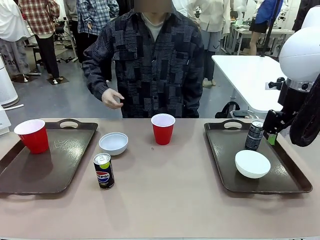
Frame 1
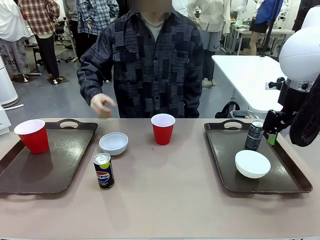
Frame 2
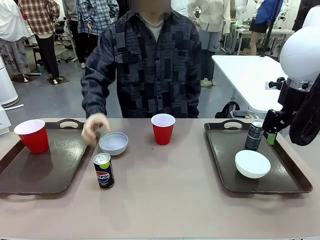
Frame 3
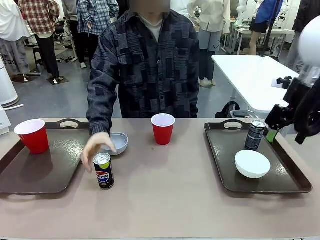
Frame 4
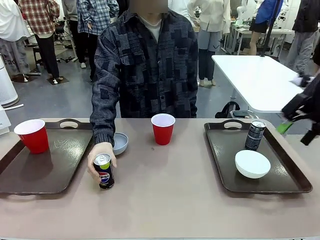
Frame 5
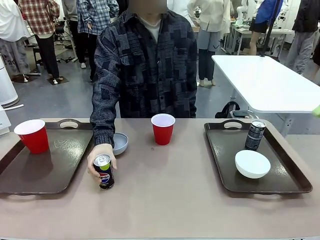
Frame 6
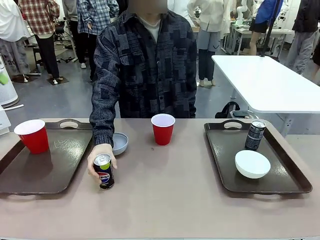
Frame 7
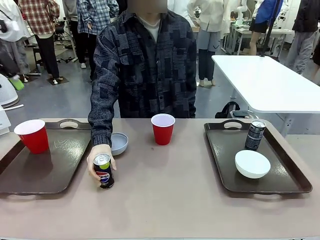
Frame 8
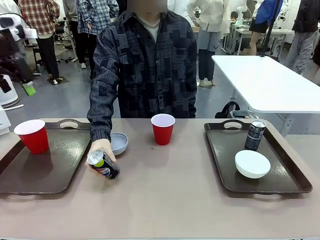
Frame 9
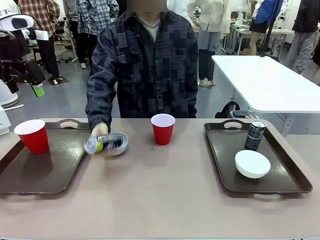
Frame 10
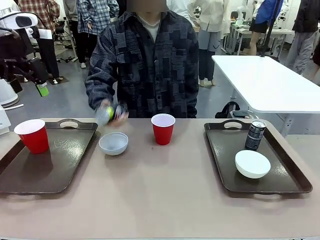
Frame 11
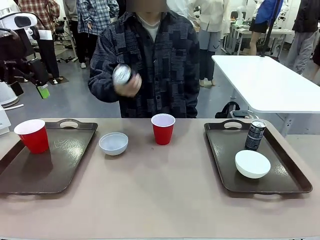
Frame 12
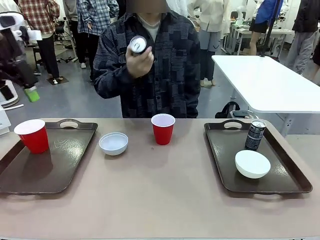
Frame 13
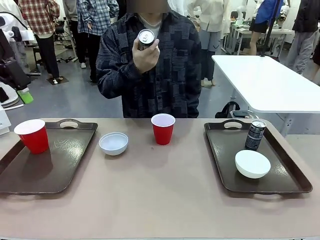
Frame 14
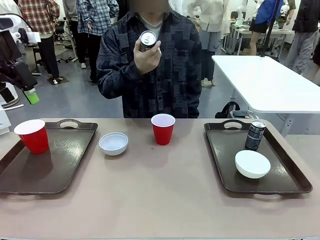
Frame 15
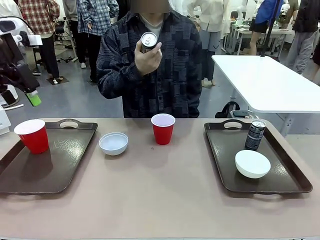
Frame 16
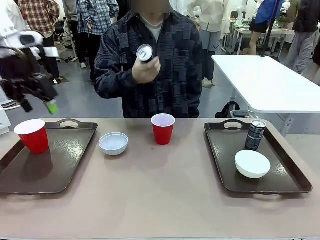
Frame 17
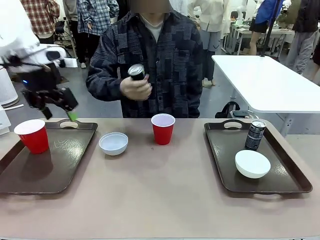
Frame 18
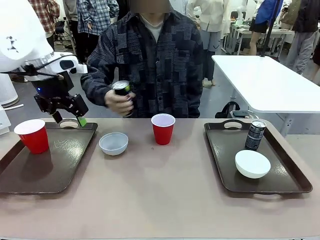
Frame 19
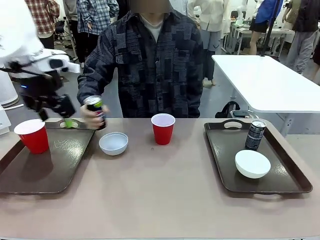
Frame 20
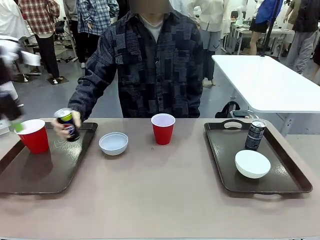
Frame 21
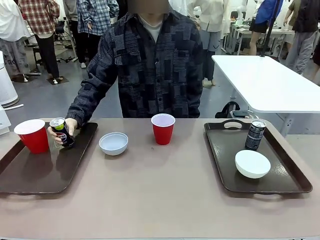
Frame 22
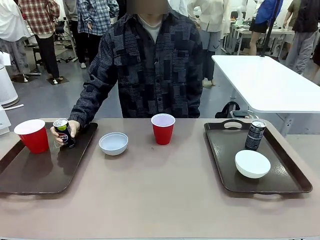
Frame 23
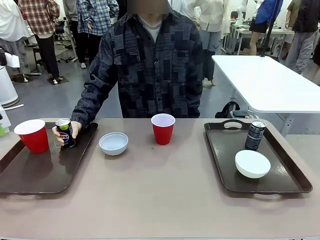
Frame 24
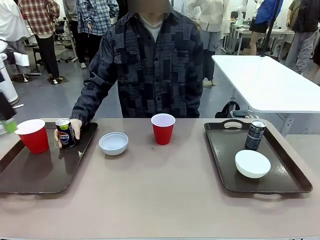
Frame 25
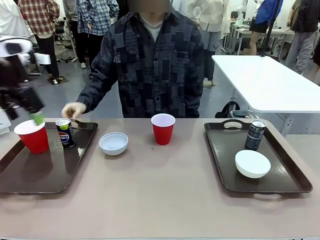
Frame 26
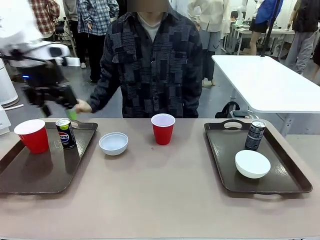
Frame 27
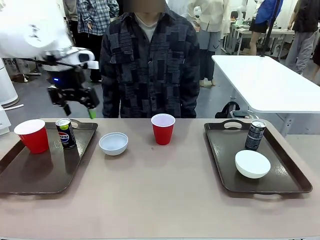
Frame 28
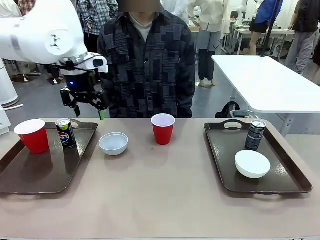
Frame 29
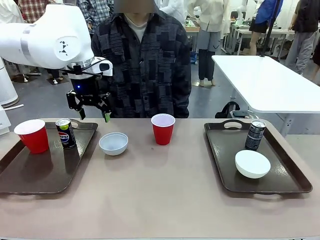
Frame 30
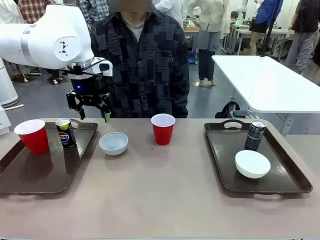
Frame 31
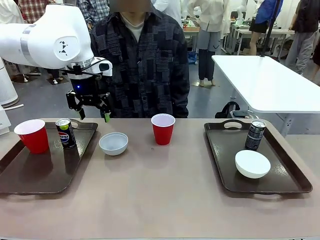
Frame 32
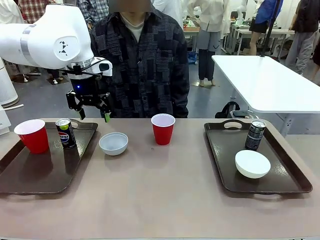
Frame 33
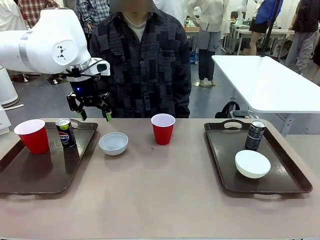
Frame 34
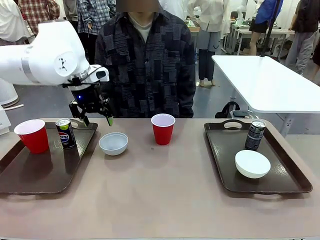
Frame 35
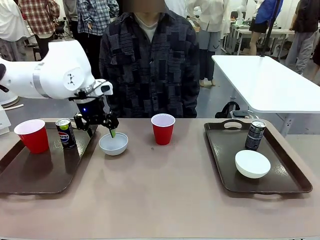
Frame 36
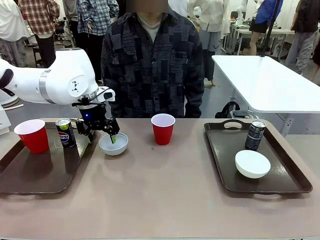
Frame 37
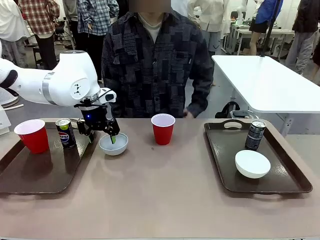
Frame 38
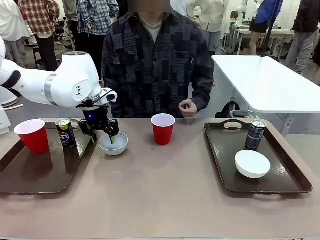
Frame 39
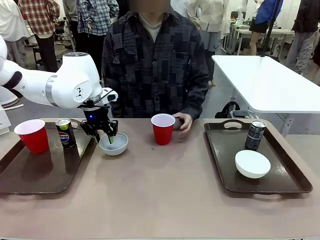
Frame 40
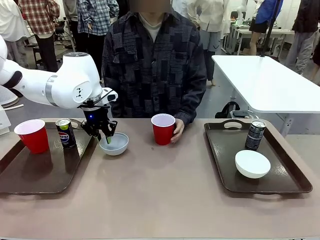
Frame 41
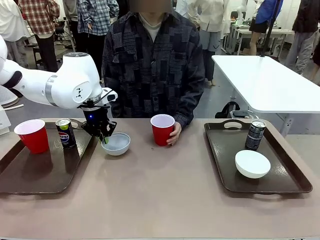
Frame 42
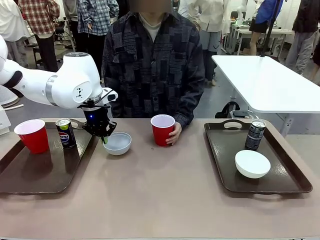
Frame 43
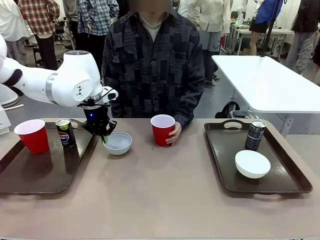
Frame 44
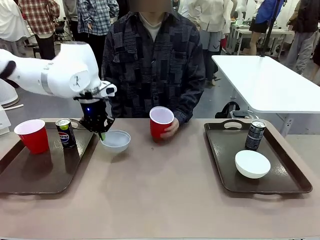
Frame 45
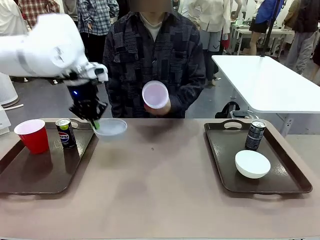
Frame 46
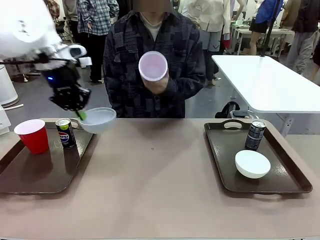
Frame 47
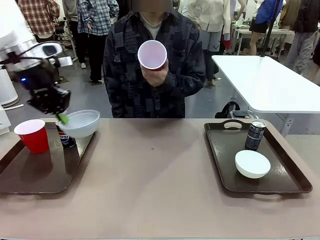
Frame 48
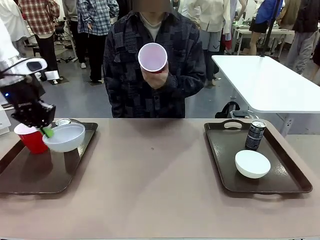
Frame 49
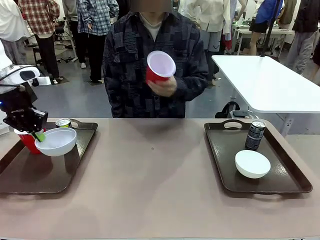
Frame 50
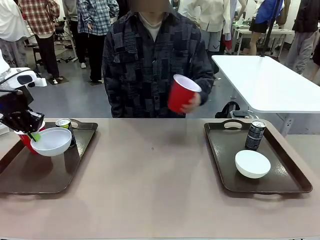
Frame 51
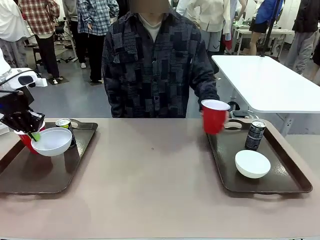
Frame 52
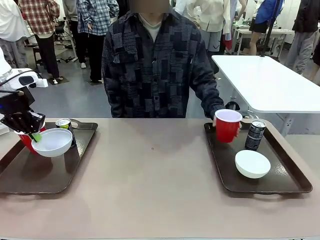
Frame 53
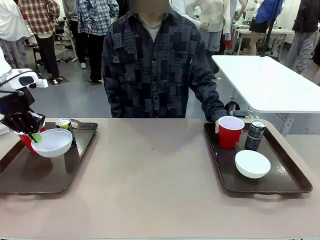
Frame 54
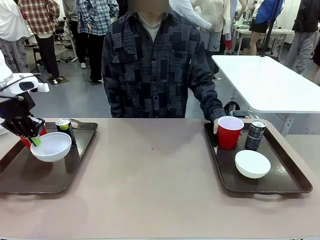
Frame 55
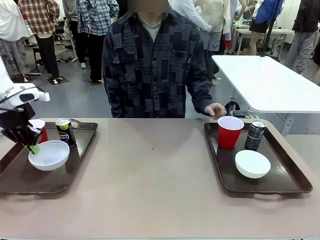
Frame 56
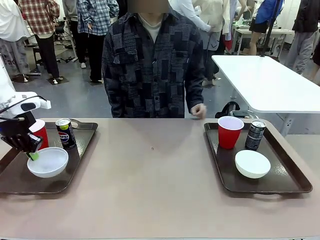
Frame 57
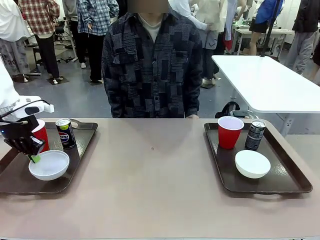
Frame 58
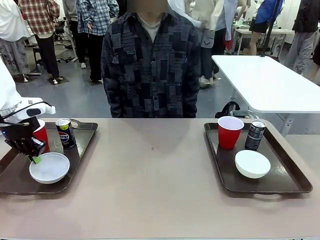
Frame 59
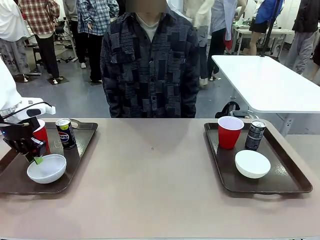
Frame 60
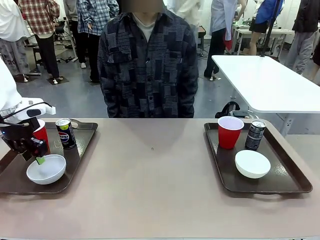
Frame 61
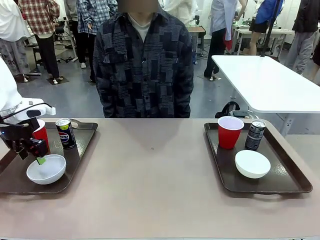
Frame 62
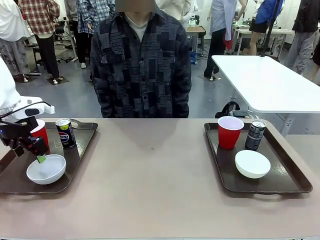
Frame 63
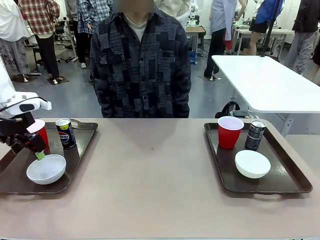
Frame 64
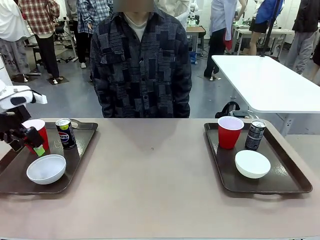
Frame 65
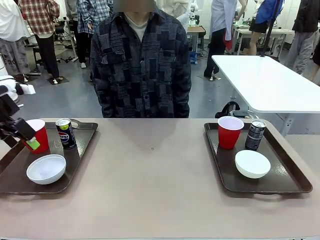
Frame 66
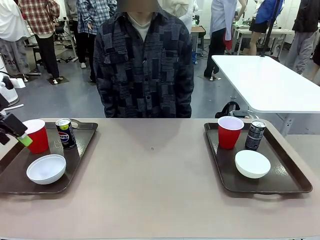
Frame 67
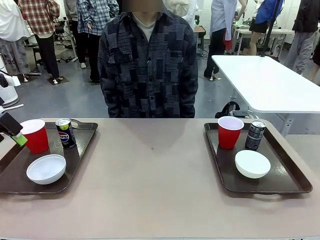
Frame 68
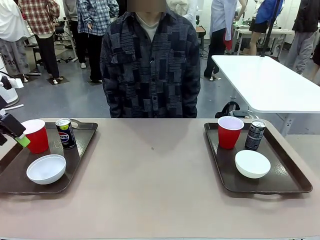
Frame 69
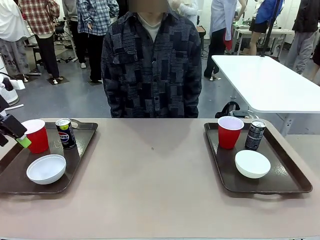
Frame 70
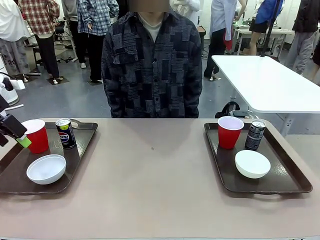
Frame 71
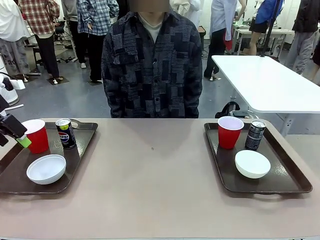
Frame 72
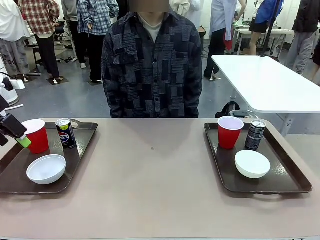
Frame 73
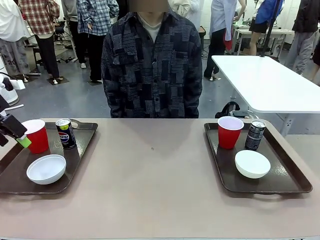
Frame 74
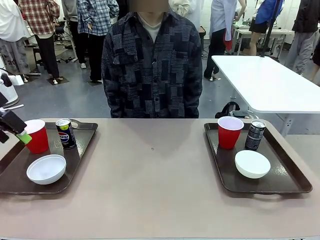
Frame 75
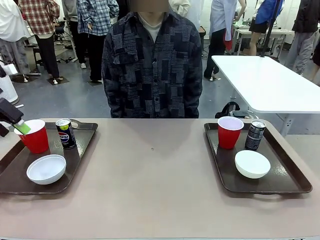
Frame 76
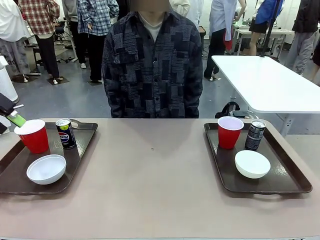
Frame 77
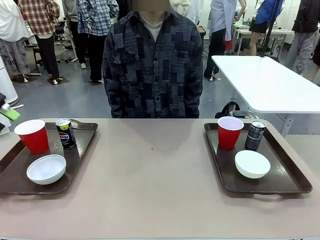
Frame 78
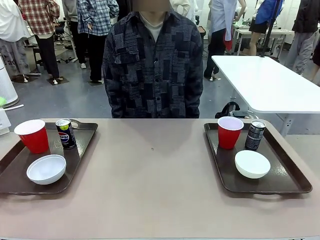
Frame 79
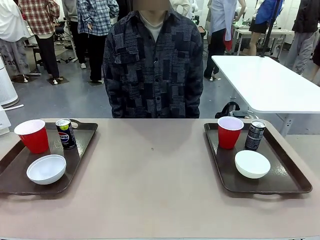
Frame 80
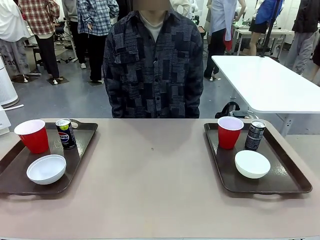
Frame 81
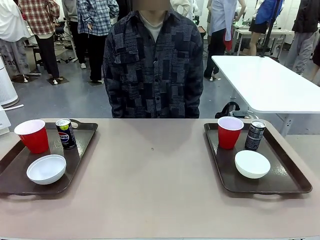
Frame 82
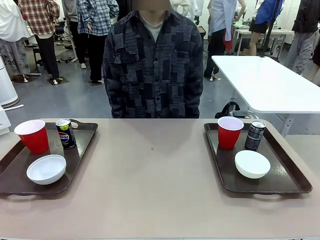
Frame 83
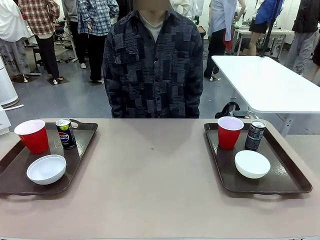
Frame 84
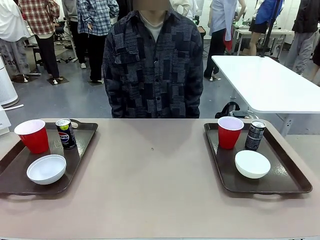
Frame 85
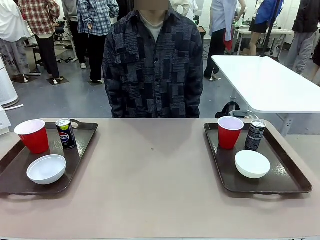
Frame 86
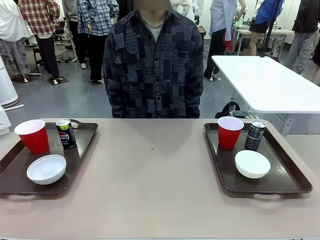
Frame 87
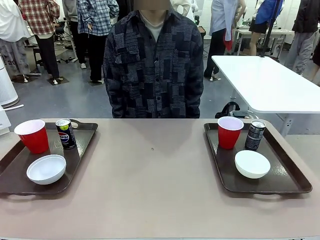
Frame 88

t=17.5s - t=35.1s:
Task: Prepare tableware on both trays.
Robot: Pick up a Picnic Bowl from the table and place it on a Handle tray.
Person: Pick up a can or cup and place it on the tray without a can or cup.
